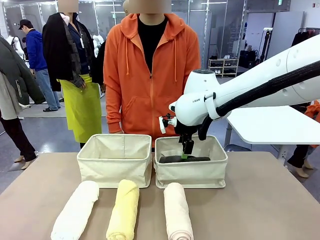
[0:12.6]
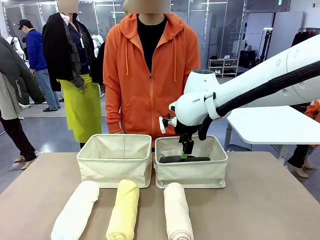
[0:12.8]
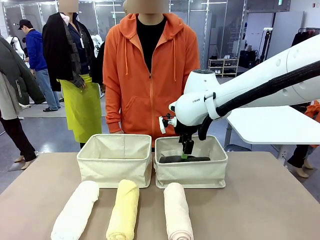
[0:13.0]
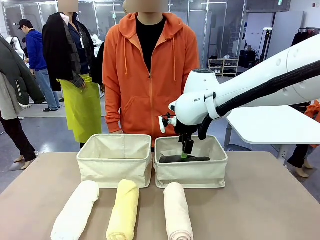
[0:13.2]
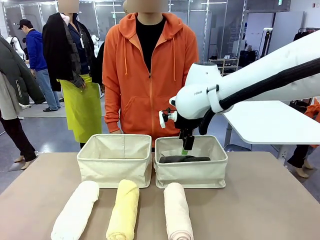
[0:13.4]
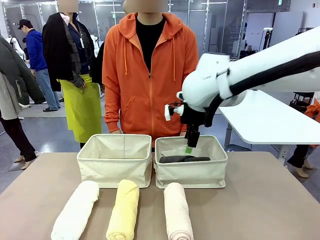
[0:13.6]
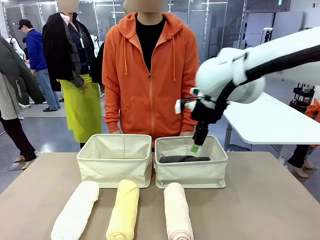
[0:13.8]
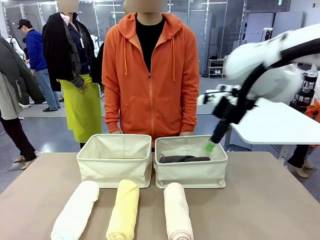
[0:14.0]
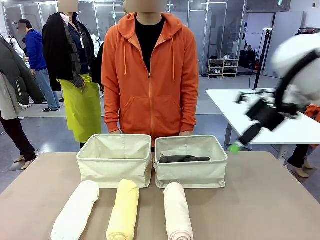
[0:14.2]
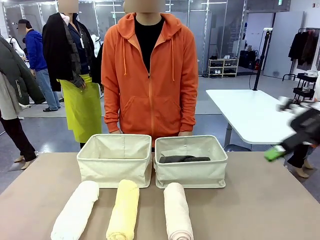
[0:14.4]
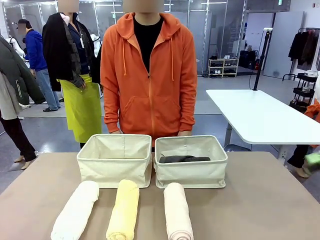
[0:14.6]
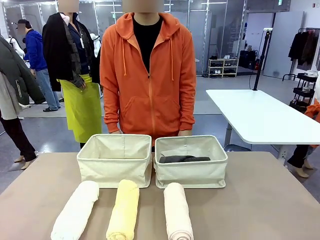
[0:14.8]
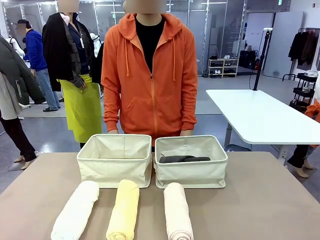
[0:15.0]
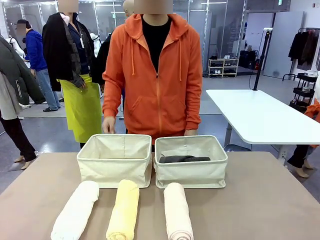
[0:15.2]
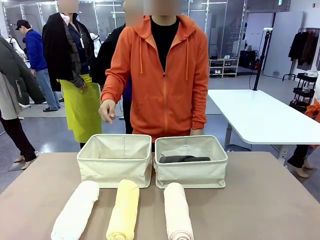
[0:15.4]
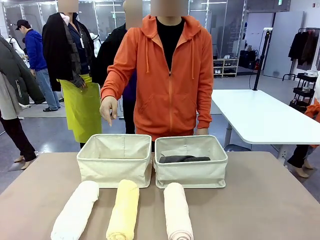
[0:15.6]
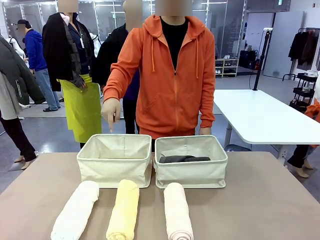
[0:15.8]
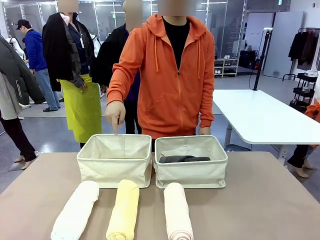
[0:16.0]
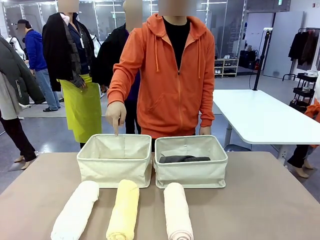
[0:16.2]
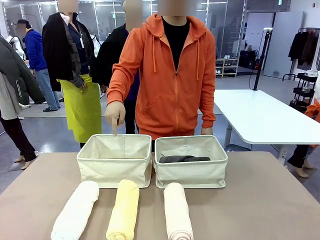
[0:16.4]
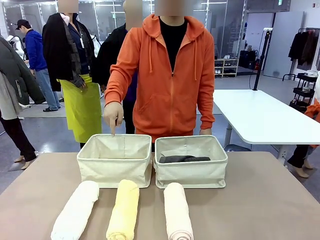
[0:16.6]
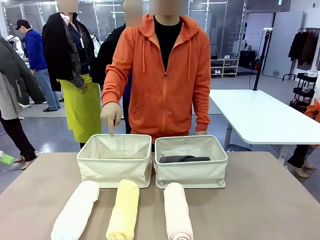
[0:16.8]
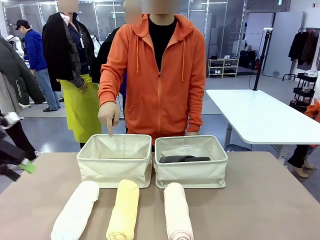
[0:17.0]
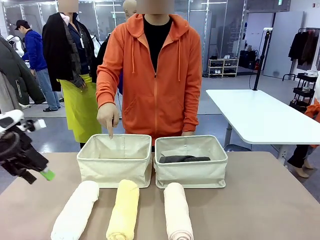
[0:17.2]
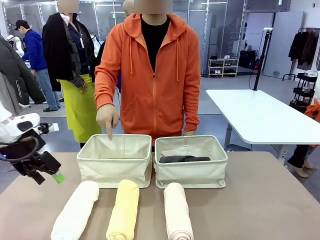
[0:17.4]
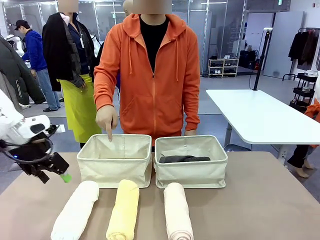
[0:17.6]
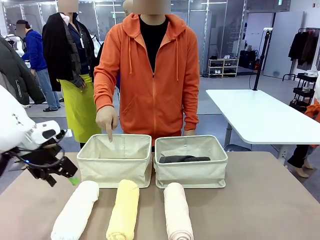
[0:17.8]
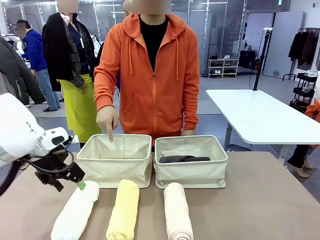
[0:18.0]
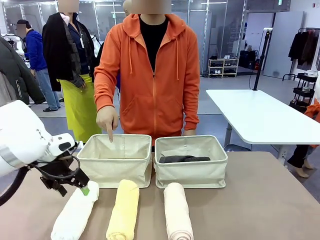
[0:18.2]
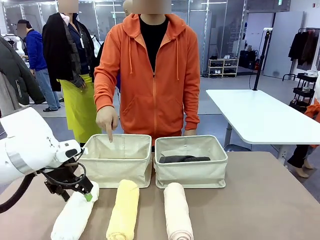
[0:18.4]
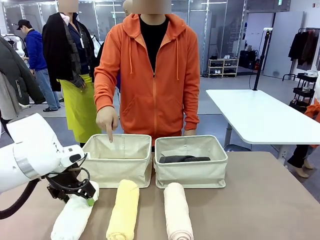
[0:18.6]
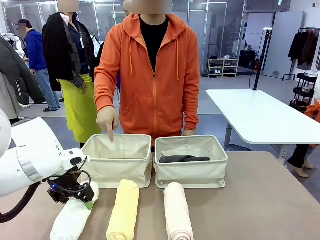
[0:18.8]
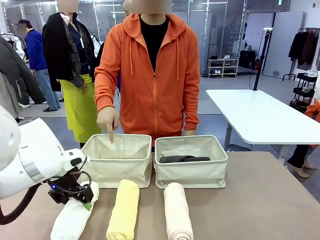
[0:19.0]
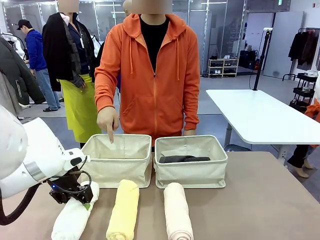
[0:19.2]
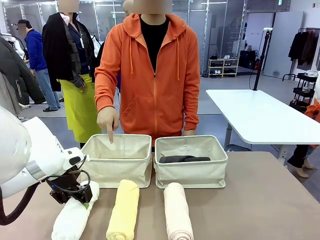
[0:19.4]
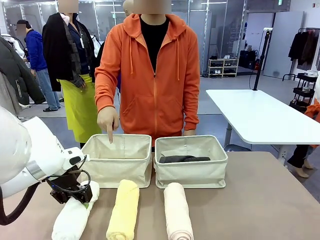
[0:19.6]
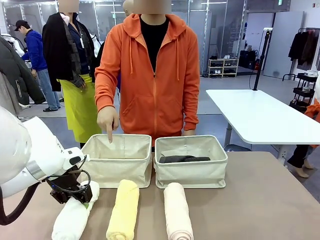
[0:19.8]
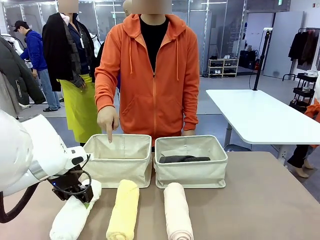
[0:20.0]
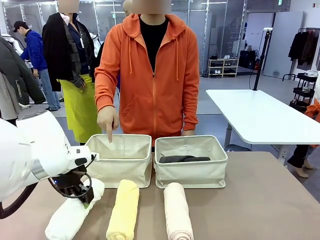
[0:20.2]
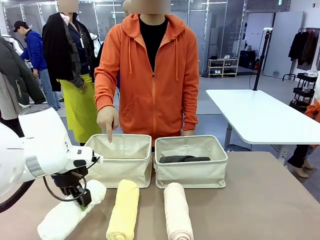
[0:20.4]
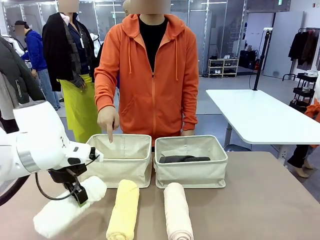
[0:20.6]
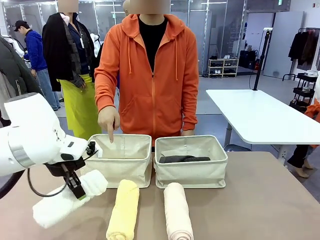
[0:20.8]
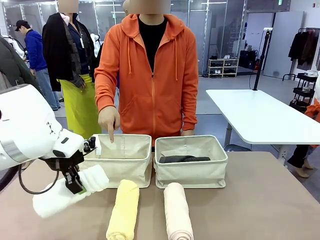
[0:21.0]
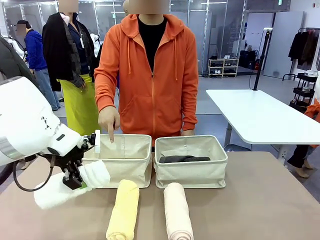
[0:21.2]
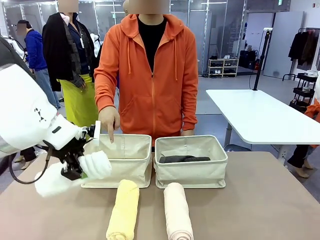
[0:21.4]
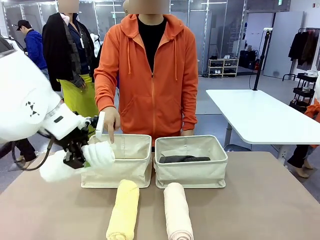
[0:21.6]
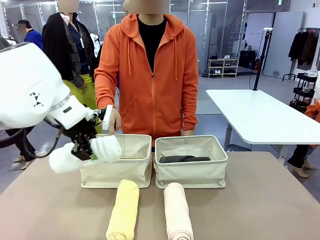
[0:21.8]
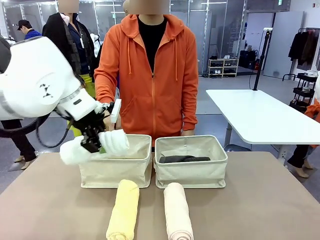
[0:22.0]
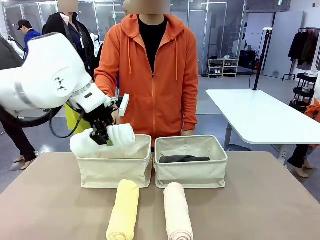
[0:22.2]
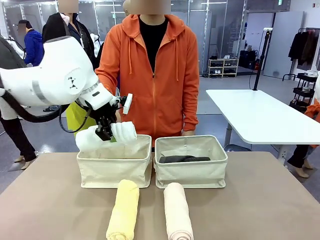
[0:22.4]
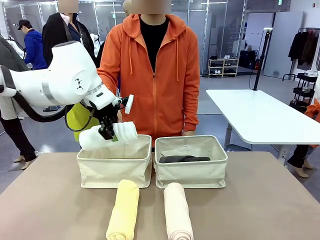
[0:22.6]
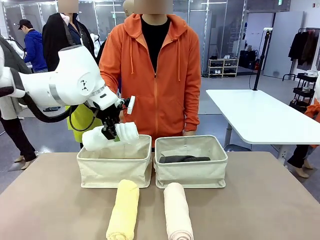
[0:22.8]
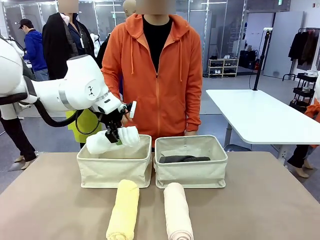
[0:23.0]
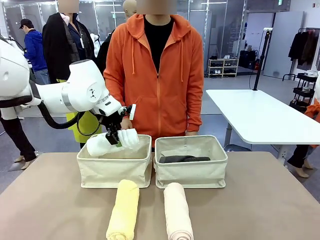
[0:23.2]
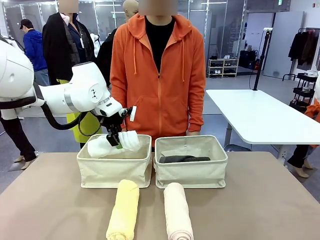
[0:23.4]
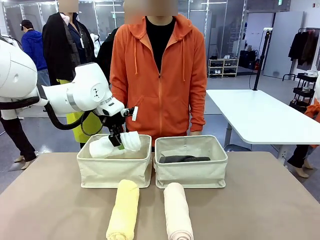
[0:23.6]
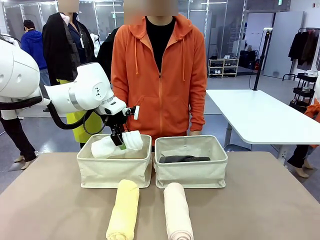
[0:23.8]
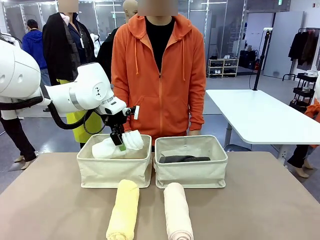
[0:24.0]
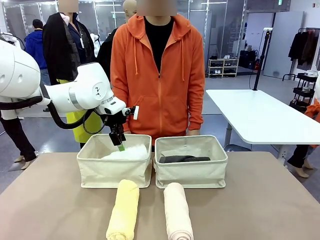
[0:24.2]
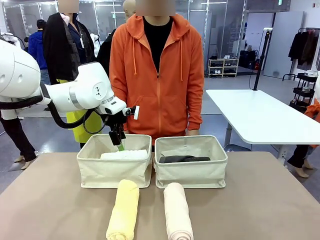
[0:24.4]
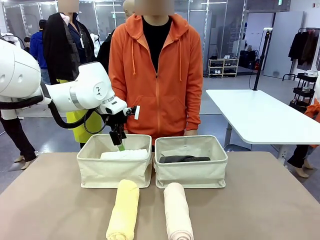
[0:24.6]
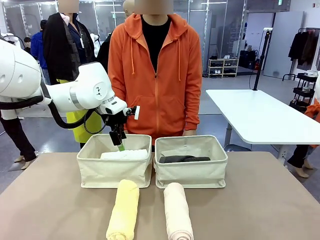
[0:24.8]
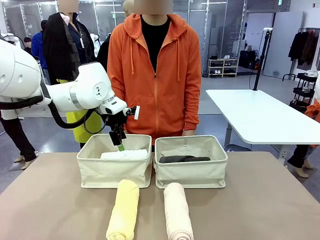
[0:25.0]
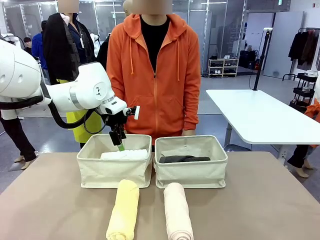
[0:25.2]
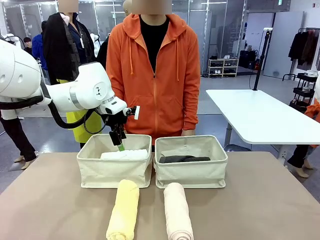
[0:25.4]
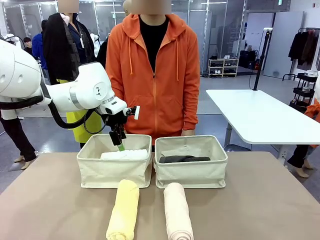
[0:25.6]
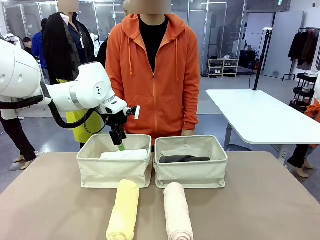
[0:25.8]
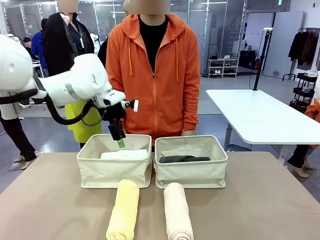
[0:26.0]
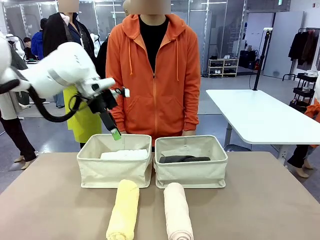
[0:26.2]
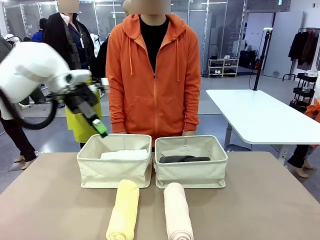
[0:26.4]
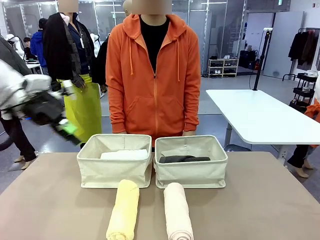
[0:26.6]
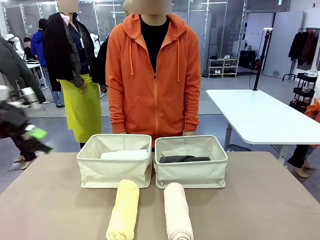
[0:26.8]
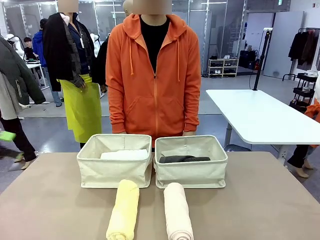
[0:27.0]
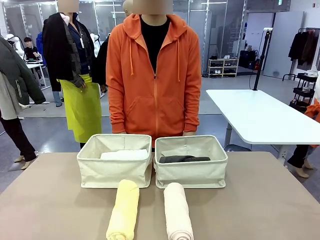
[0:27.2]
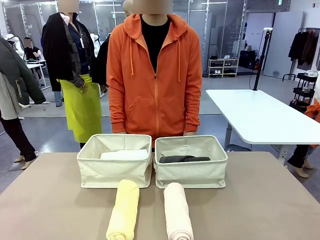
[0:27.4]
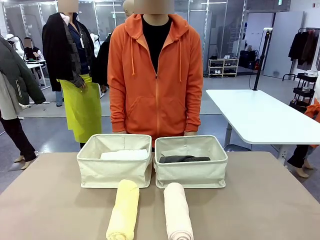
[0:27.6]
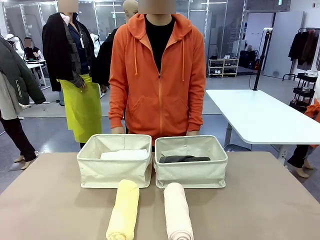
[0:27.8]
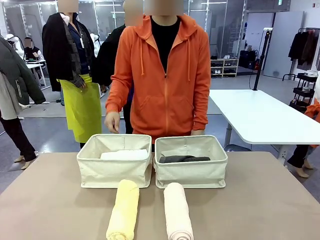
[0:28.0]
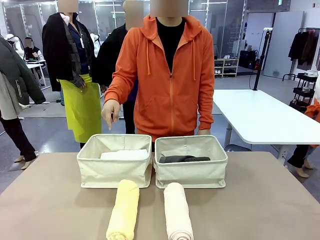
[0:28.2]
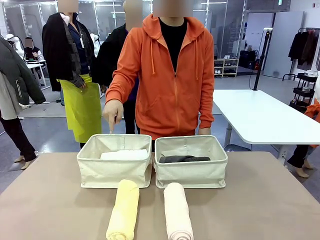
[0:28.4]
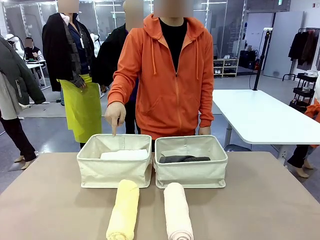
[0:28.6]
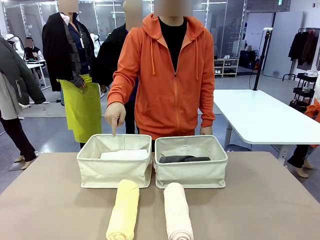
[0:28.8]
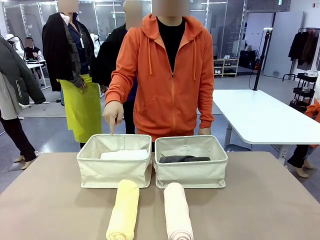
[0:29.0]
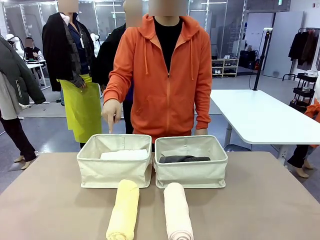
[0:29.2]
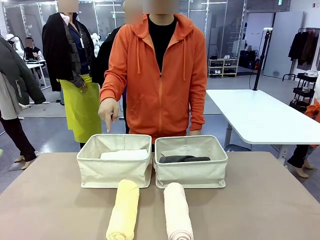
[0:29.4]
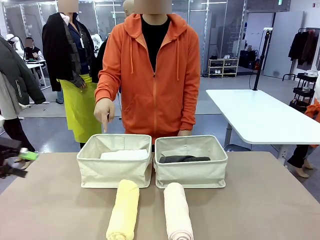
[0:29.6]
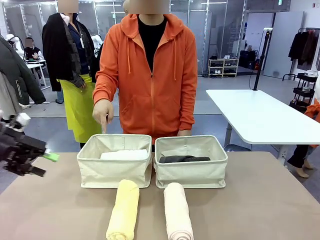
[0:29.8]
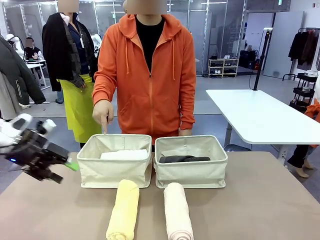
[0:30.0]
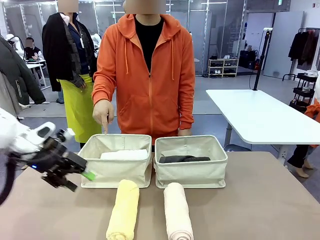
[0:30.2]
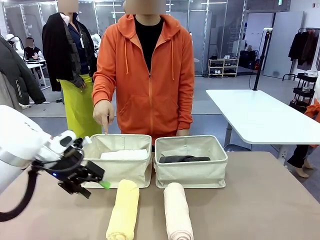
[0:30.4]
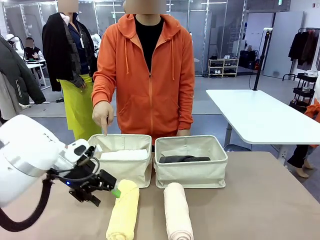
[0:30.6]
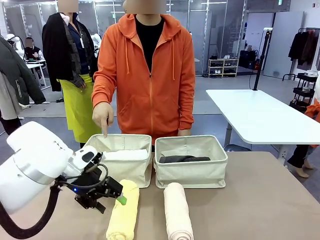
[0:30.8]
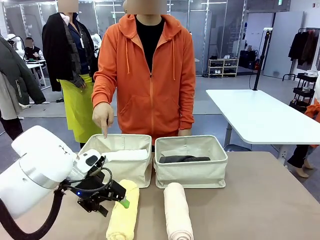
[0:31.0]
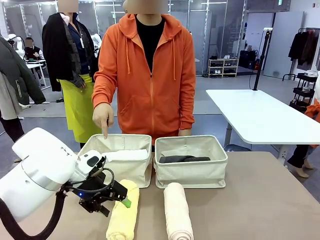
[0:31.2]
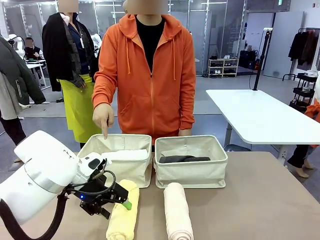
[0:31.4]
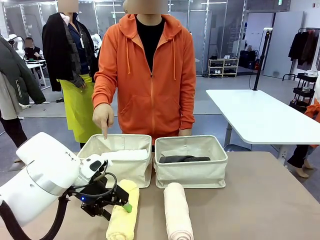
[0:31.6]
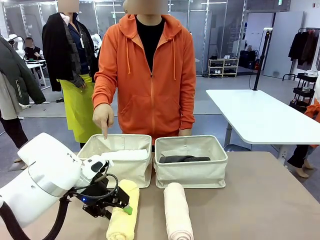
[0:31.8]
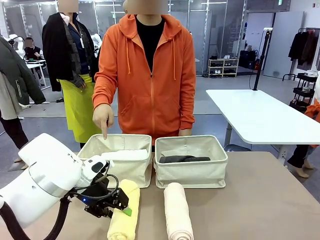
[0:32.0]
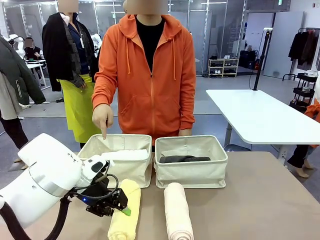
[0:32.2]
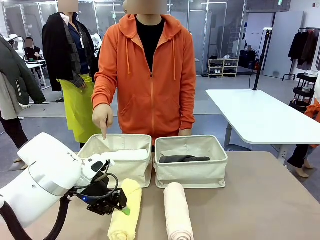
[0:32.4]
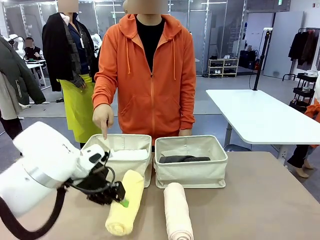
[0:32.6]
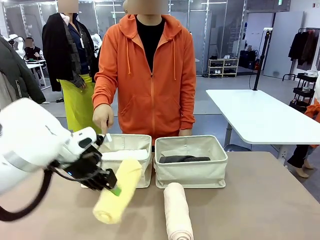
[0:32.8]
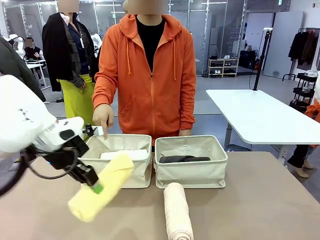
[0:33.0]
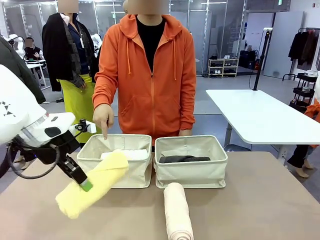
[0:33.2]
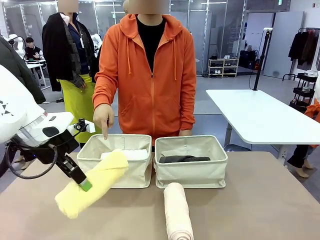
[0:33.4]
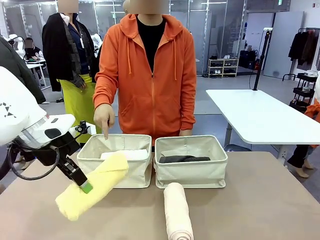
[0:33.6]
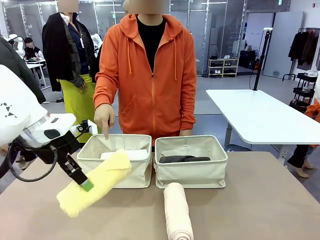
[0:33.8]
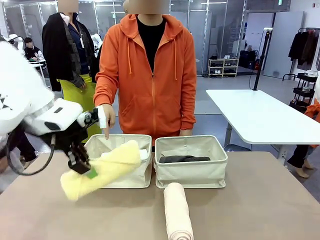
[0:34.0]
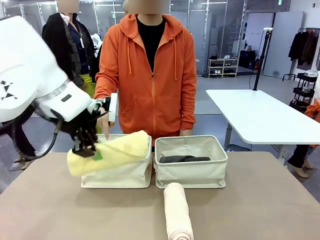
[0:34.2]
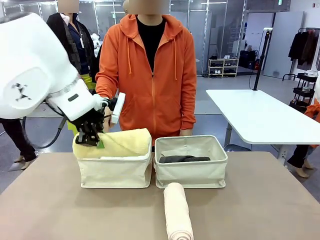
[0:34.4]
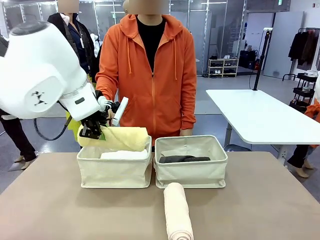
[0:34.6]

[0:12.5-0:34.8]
Task: Divide the towels into two baskets.
Robot: Pick up one hotel-folded towel from the bottom of the table and place it in the Fabric basket indicated by the person.
